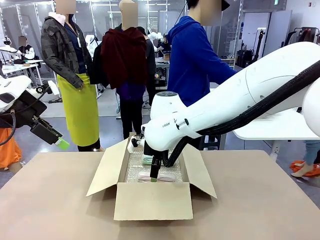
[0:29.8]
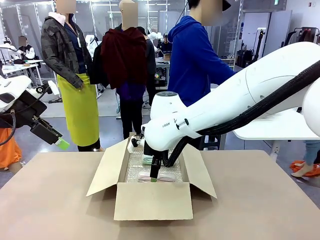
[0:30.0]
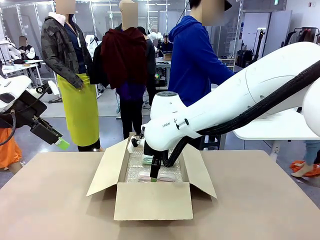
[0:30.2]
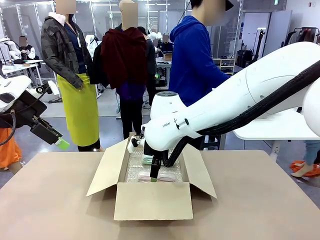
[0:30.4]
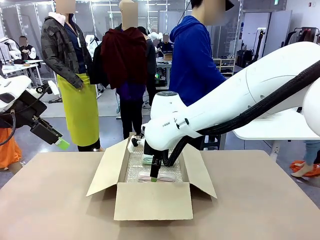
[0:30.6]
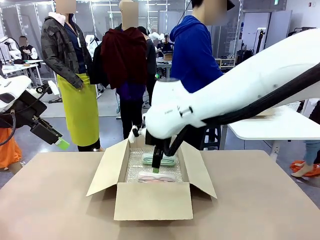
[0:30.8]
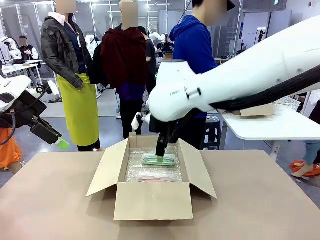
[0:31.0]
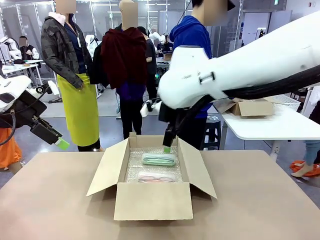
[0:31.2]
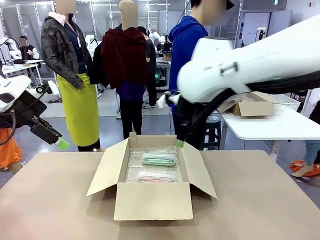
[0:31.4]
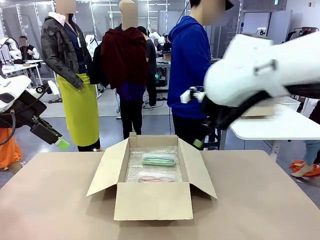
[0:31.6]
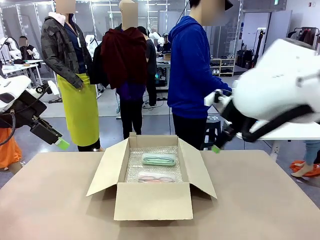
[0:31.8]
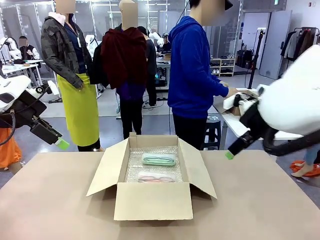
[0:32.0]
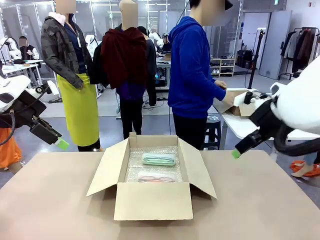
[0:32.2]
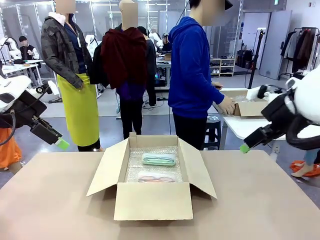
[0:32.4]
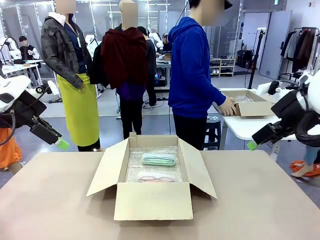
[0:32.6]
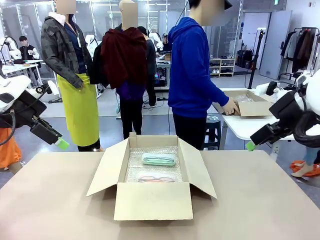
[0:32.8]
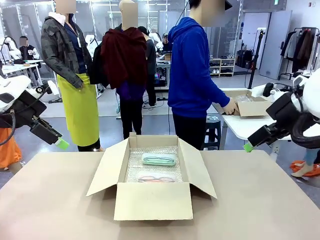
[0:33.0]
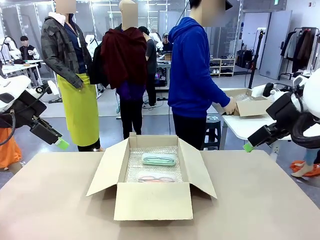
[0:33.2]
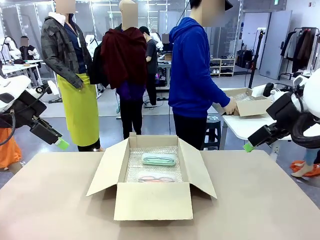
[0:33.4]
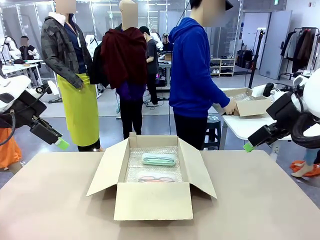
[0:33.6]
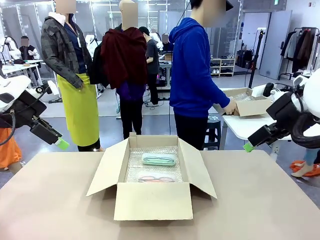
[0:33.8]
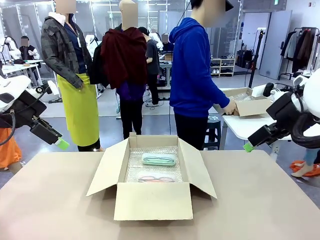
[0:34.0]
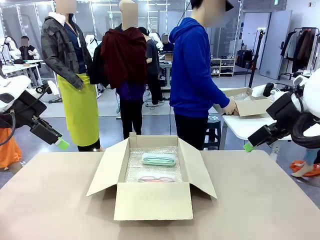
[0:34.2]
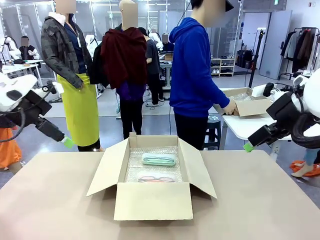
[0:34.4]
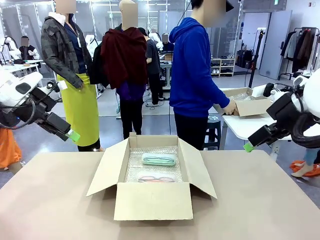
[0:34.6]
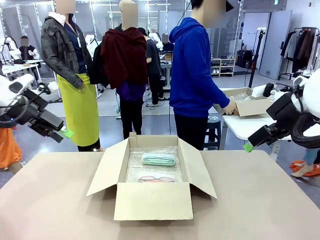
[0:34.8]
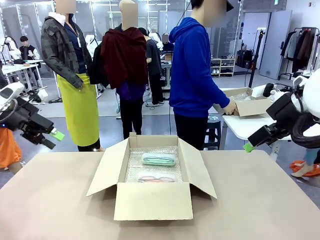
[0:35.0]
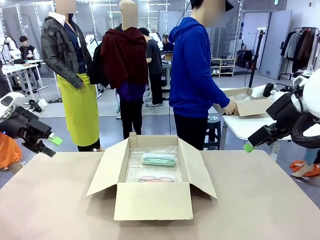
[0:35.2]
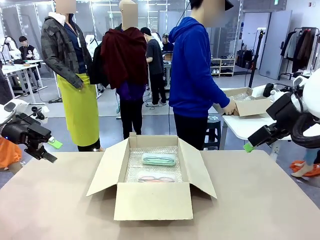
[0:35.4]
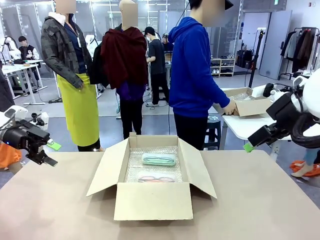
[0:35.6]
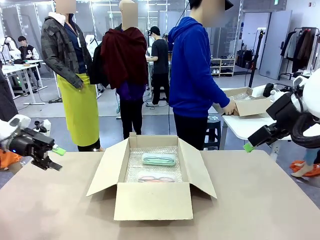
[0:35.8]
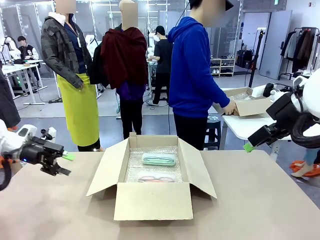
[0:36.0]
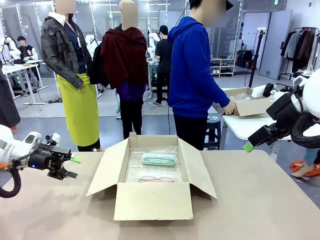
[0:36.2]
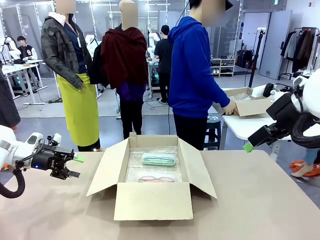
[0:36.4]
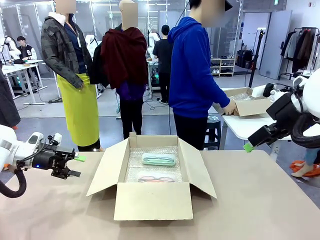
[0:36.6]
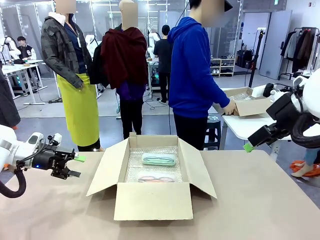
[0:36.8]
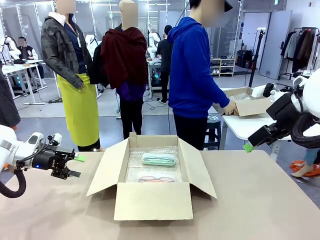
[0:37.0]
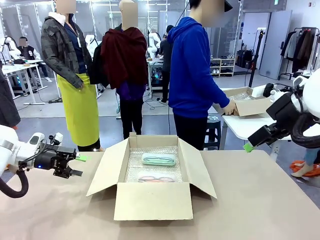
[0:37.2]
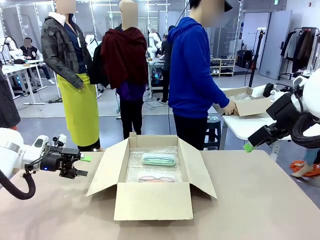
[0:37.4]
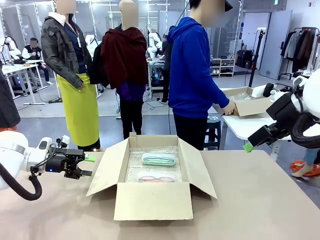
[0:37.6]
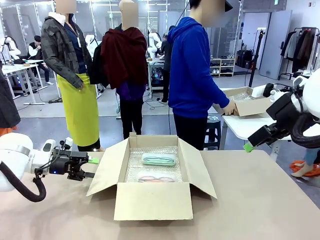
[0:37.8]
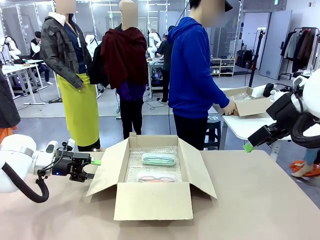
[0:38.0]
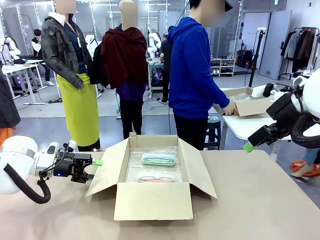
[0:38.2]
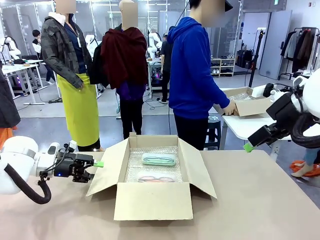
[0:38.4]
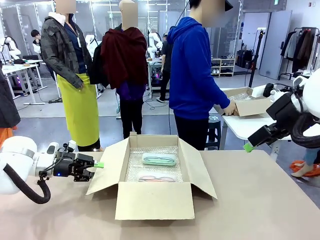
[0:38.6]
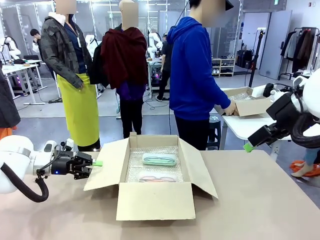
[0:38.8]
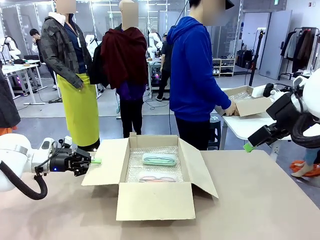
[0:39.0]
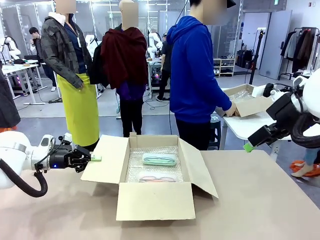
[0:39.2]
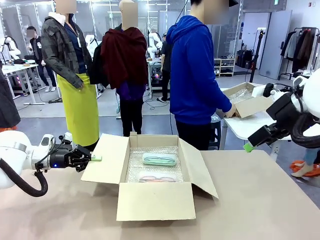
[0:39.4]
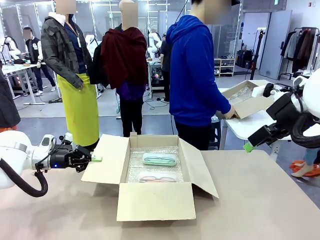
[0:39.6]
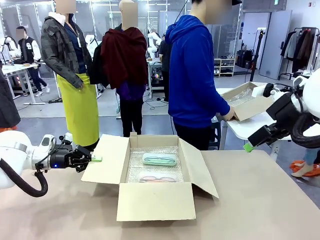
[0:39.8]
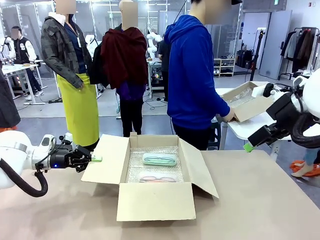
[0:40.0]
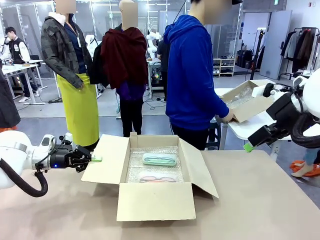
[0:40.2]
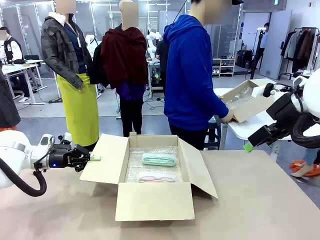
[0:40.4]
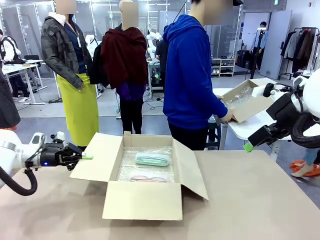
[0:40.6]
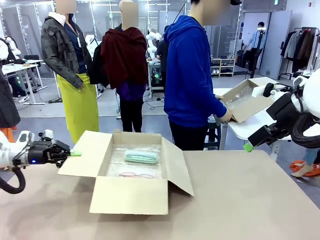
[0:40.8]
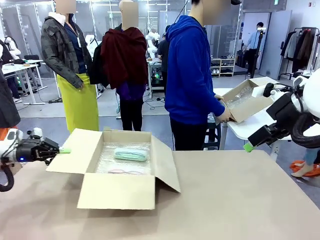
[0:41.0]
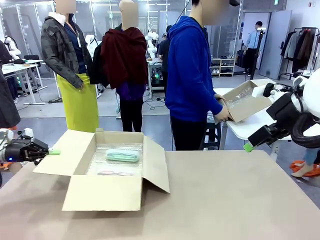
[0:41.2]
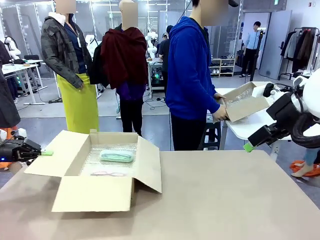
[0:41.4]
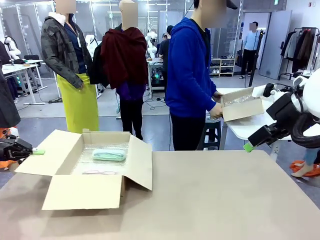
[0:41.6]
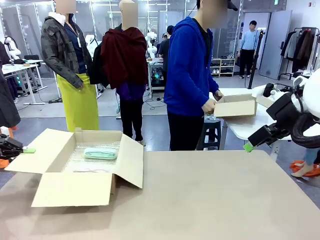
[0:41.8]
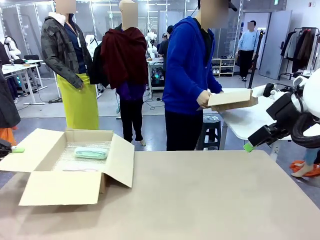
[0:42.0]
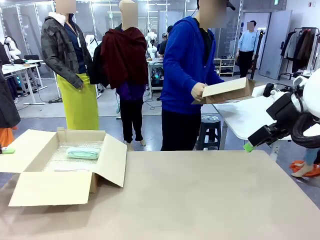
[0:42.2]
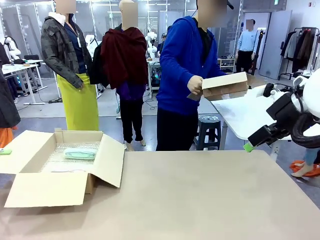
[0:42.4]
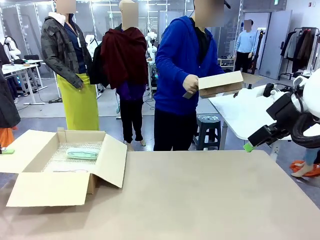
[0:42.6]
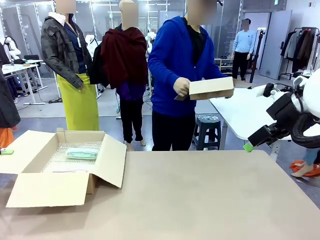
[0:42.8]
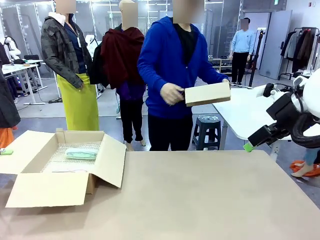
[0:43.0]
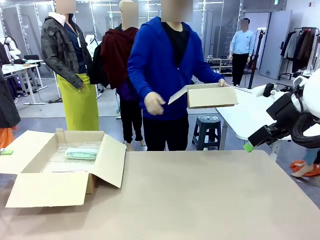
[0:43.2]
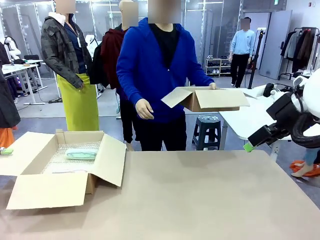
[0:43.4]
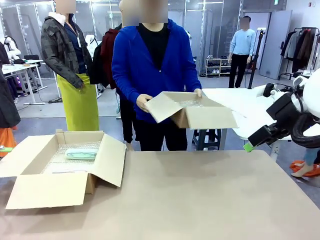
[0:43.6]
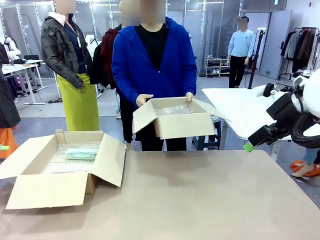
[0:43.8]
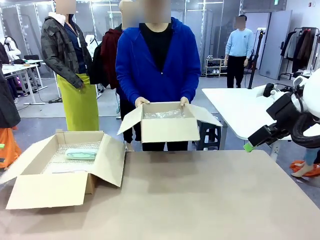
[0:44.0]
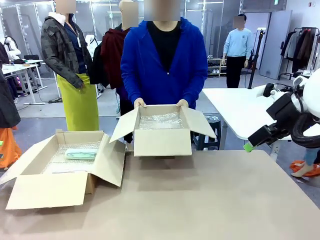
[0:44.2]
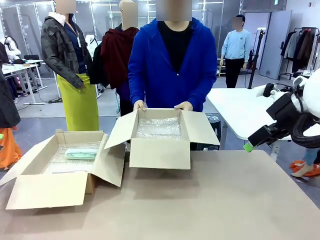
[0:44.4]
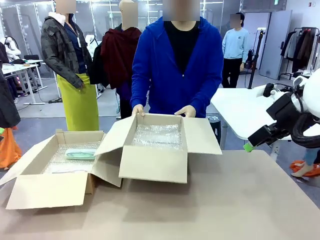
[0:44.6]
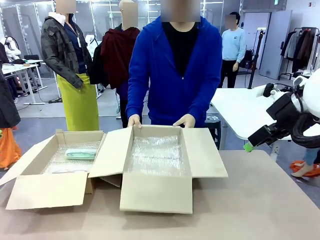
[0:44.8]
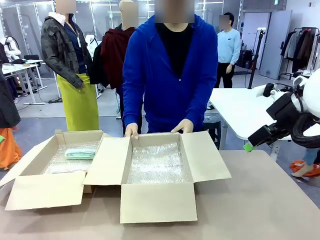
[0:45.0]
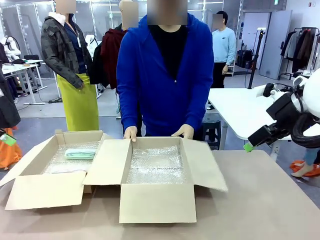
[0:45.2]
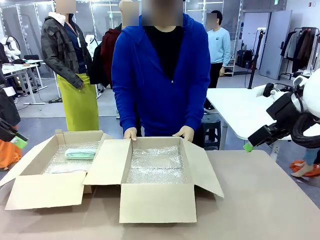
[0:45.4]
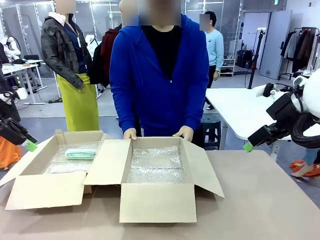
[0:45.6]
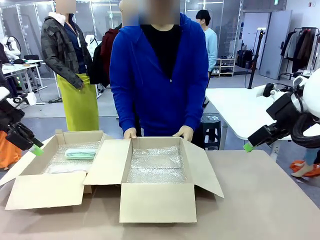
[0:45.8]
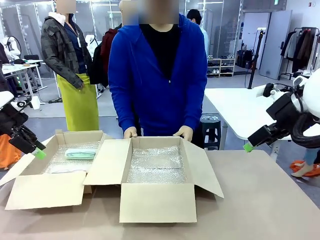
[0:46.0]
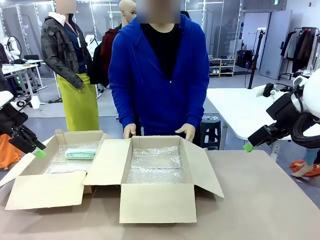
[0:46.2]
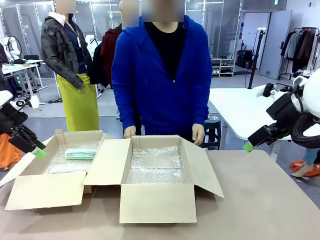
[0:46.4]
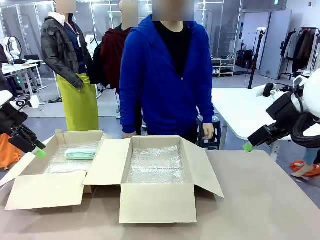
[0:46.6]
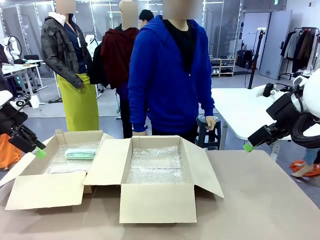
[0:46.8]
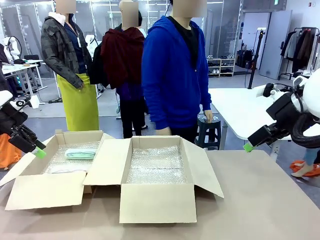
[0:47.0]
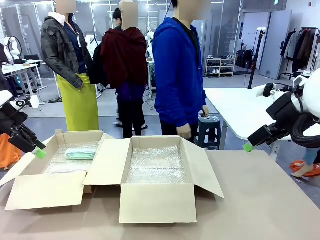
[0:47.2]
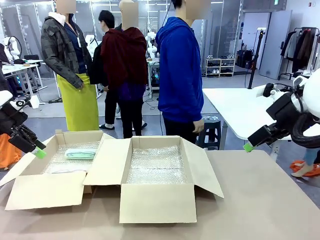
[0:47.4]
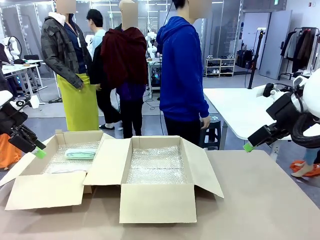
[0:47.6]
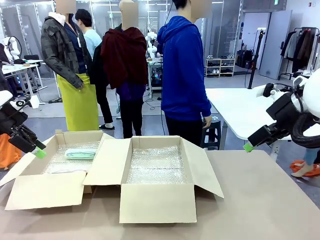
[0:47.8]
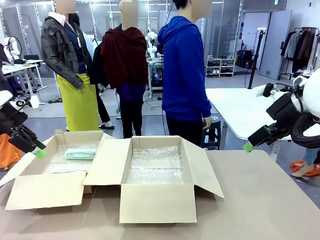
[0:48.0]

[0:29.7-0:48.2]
Task: Pack the glasses set securely to prepare it for shipping.
Robot: Position the Package Box on the left side of the table.
Person: Position the empty Package Box in the middle of the robot's table.
